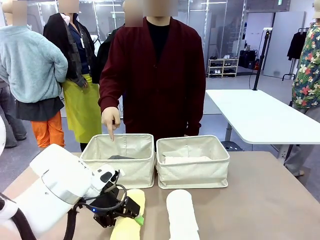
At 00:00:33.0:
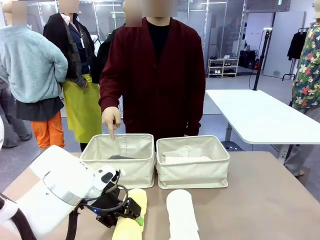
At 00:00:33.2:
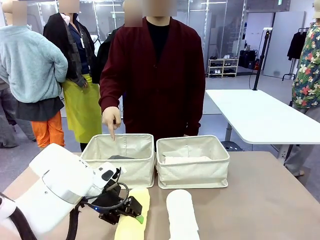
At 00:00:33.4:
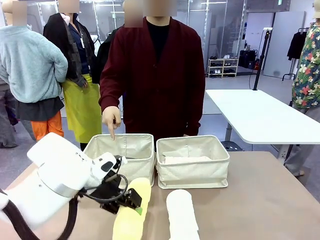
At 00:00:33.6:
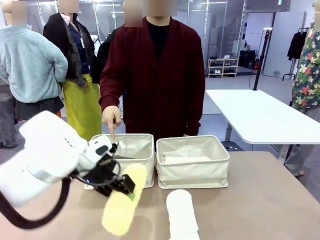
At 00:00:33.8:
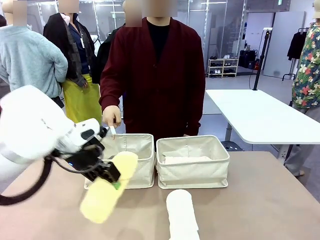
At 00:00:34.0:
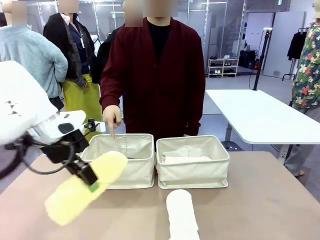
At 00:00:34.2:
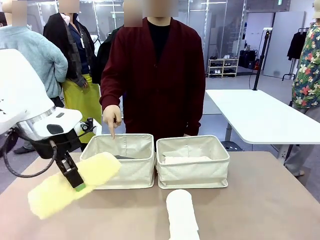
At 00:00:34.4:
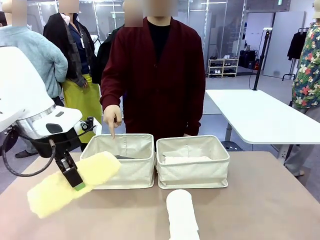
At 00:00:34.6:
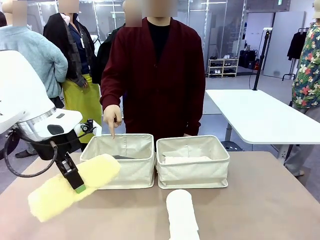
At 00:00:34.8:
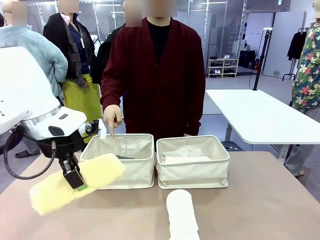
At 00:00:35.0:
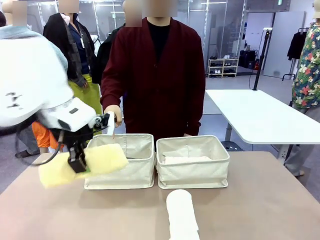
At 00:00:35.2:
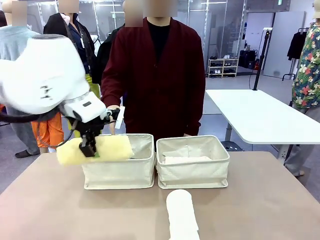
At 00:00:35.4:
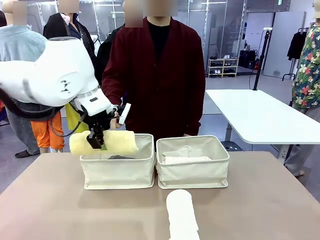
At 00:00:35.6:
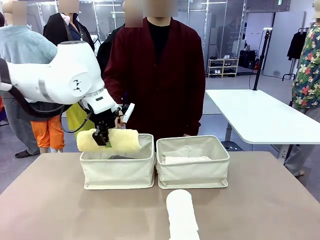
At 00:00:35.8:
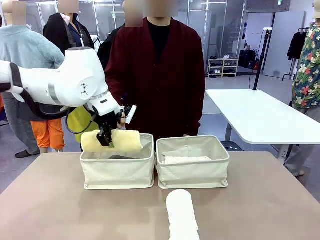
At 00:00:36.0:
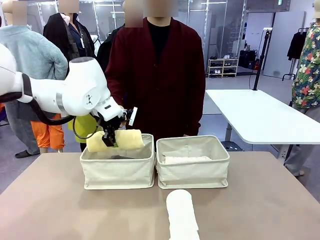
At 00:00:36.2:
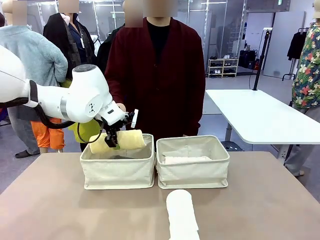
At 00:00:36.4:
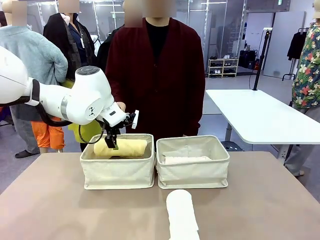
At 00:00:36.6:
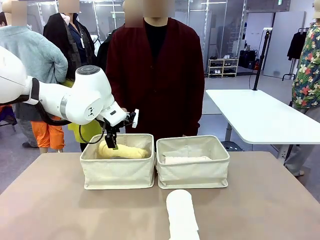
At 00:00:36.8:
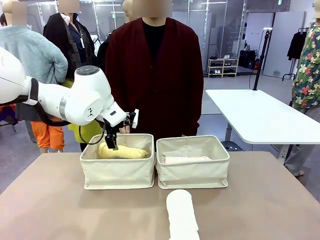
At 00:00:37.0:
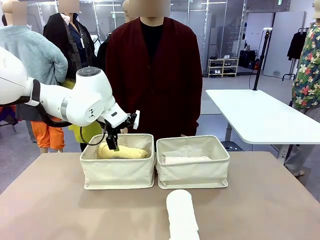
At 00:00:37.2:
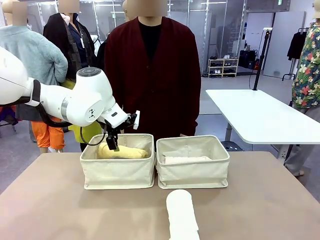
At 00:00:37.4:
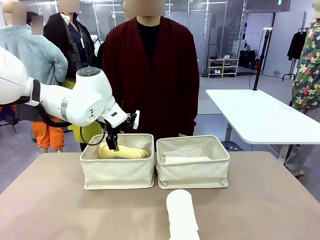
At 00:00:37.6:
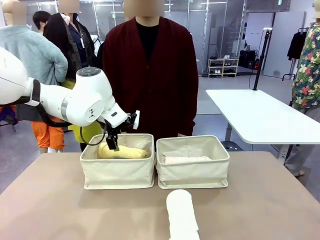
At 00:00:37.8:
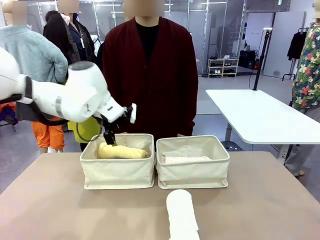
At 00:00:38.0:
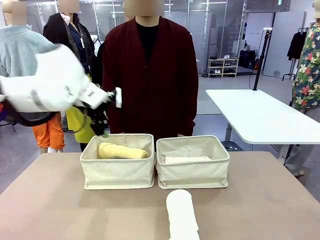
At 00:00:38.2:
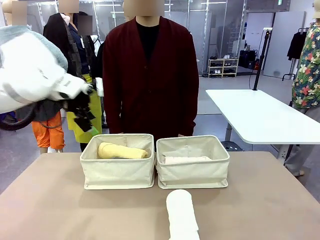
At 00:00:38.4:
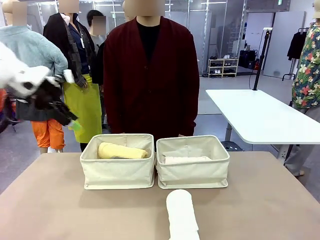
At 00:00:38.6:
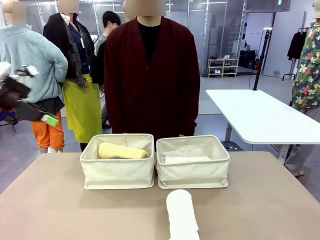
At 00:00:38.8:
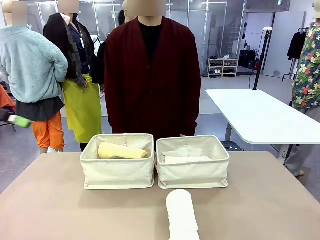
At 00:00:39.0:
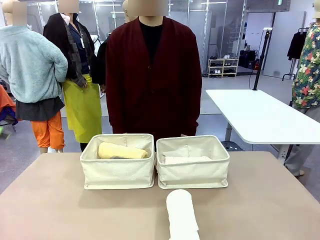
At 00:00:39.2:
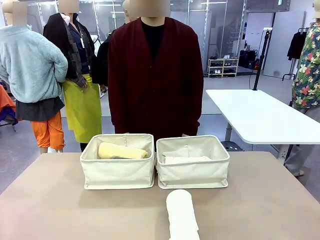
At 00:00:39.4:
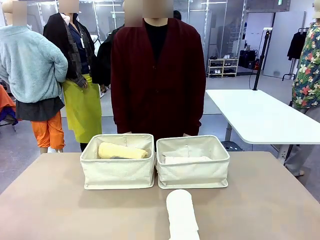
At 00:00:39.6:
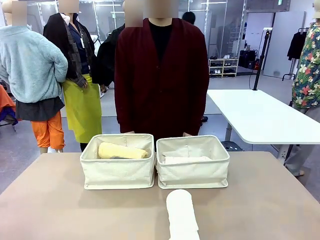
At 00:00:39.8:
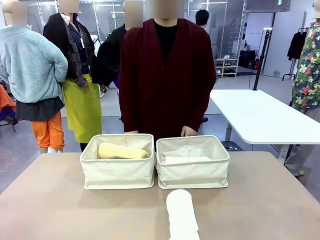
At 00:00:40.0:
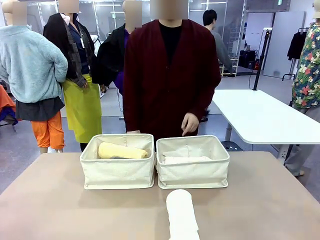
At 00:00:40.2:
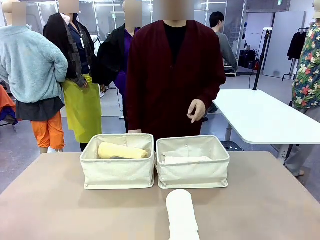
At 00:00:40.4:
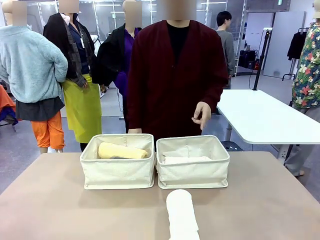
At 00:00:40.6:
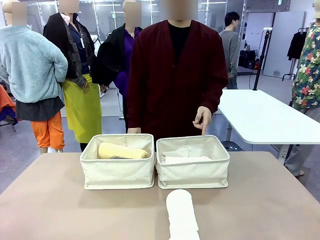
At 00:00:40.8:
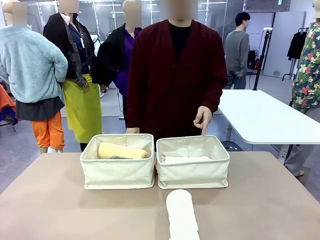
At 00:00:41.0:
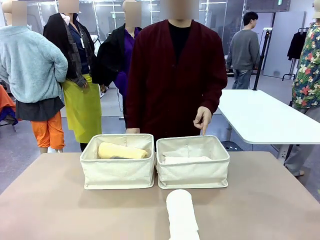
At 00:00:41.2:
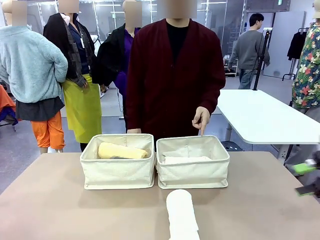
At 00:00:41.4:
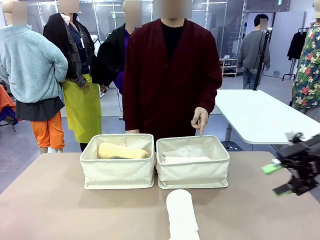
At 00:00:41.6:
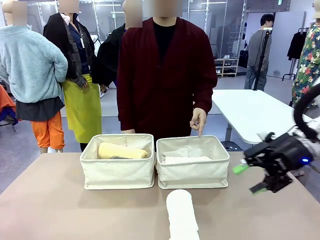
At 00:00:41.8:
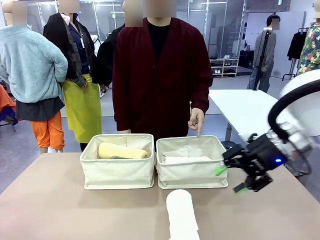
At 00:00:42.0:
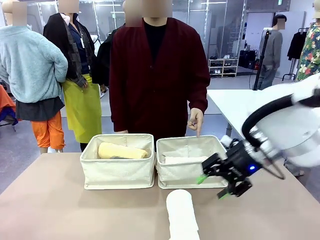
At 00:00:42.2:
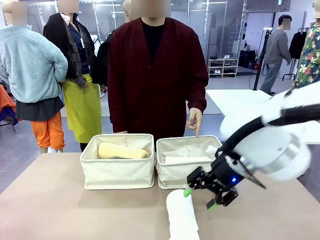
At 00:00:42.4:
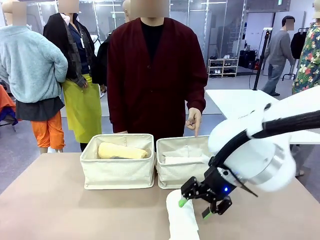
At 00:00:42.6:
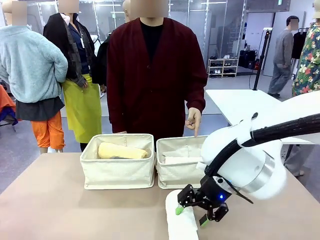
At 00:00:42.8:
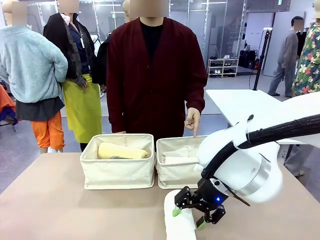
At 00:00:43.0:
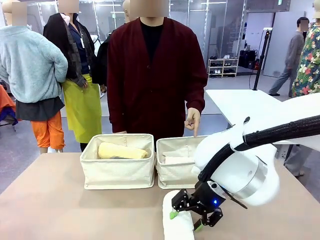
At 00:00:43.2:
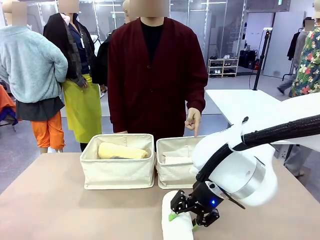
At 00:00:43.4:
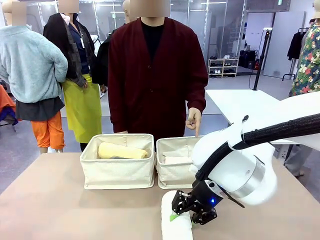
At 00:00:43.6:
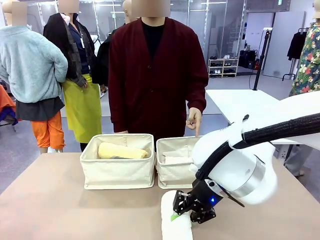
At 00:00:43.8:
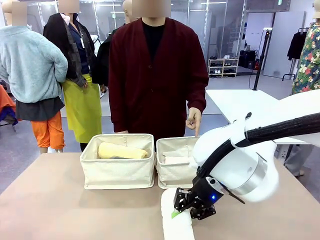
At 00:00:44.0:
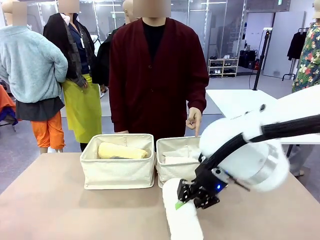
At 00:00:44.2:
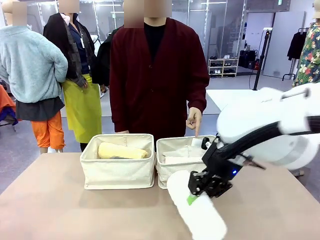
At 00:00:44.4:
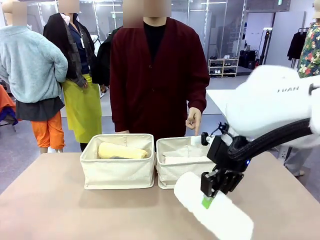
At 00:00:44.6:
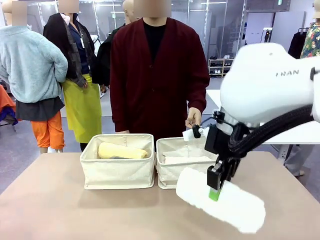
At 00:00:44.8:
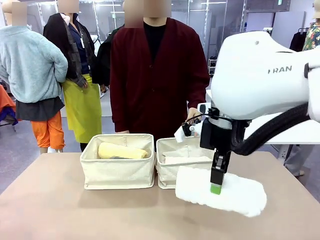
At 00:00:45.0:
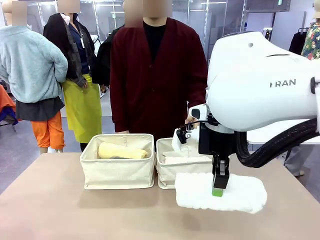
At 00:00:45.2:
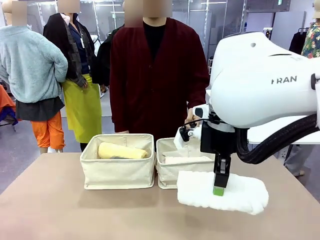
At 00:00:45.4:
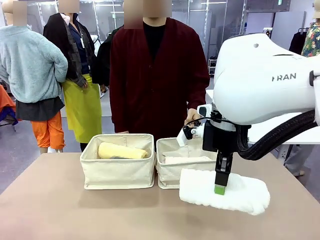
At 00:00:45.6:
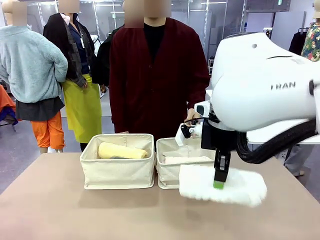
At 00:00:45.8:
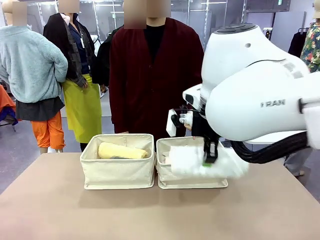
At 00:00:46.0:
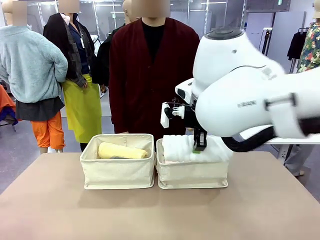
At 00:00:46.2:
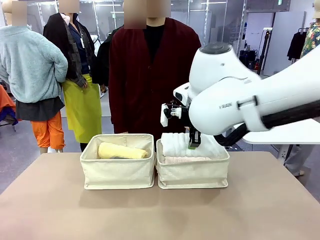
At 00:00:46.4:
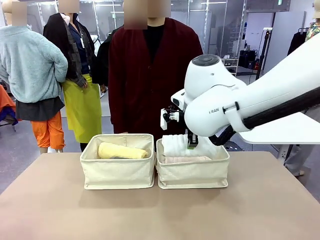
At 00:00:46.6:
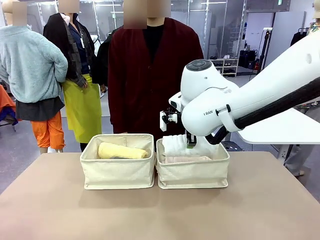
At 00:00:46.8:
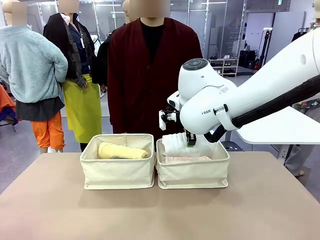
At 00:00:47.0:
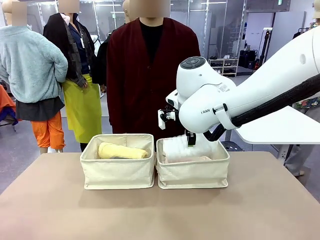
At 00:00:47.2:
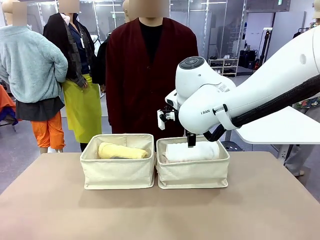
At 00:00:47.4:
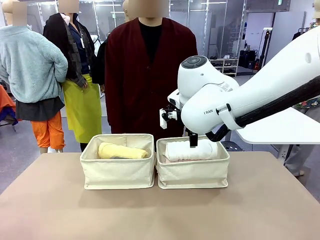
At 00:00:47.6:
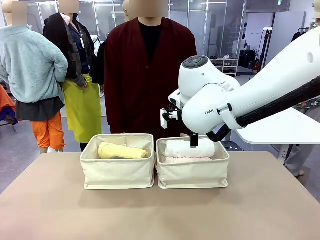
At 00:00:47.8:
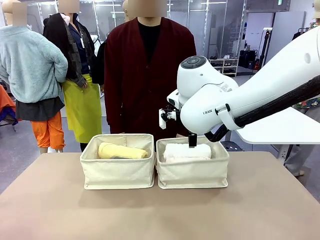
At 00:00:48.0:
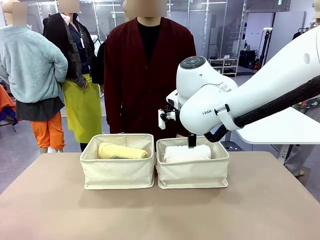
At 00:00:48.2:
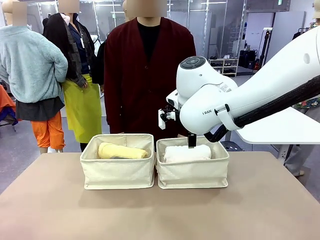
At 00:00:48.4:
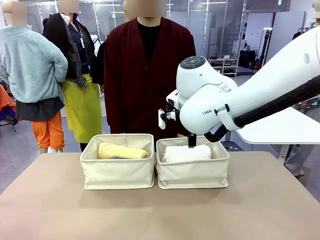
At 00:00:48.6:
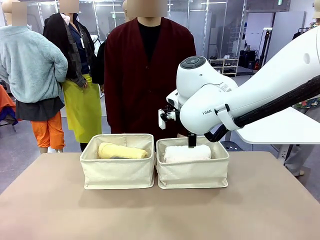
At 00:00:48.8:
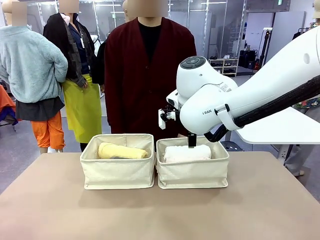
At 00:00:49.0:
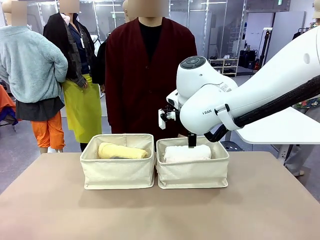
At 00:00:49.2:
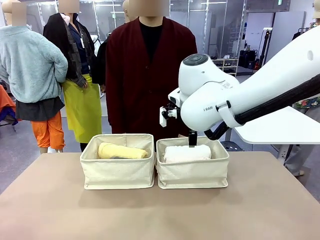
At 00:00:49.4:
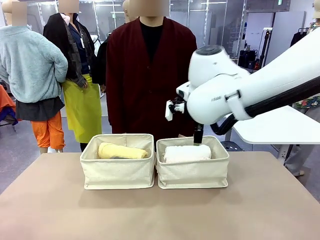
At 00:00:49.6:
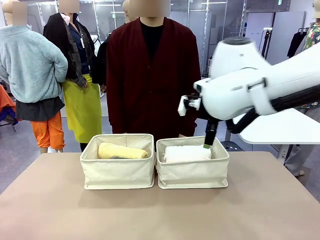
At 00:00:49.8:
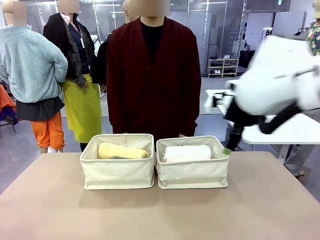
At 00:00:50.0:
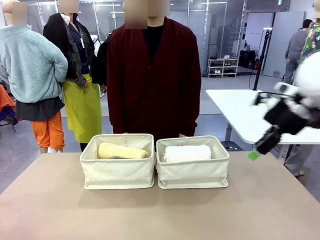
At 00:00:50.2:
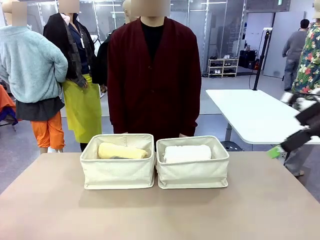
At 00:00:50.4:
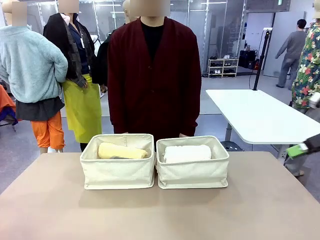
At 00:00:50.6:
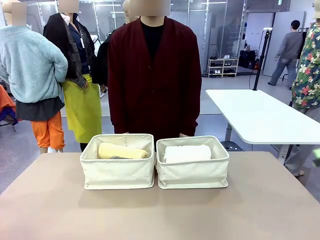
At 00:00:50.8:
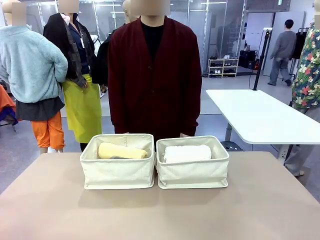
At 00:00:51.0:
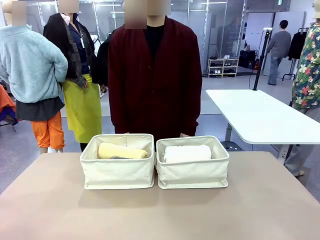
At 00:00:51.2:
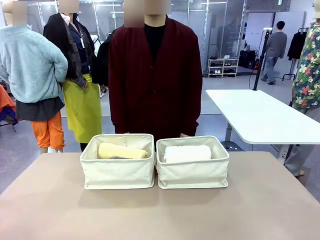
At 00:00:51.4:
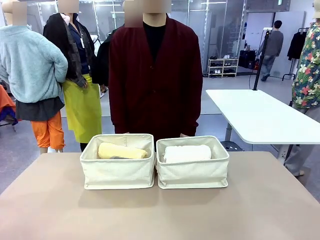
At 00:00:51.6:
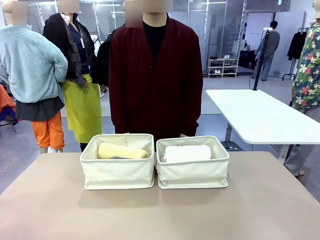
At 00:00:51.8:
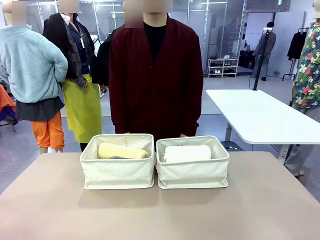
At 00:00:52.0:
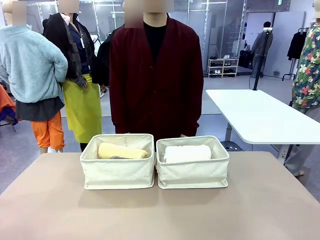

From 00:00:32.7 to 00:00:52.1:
Task: Divide the towels into two baskets.
Robot: Pick up one hotel-folded towel from the bottom of the table and place it in the Fabric basket indicated by the person.
